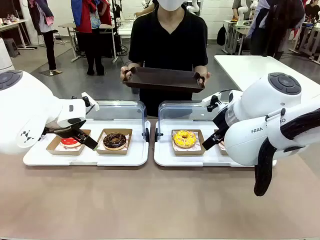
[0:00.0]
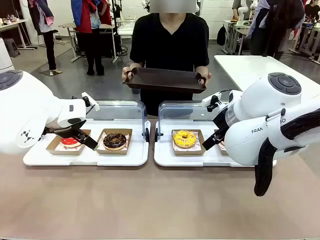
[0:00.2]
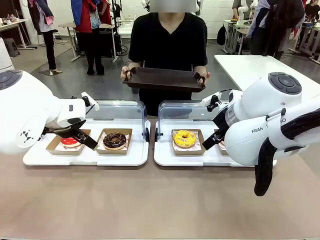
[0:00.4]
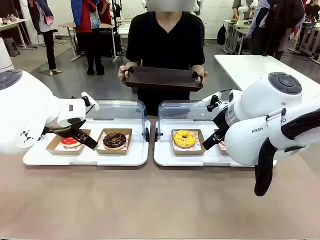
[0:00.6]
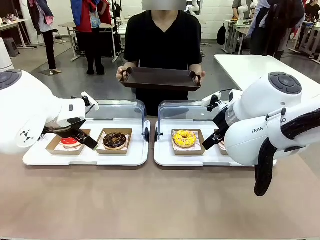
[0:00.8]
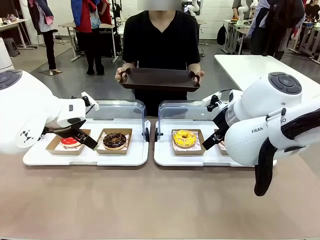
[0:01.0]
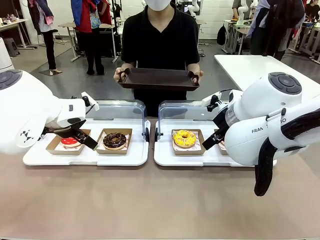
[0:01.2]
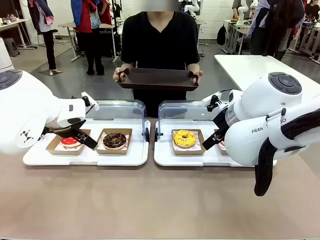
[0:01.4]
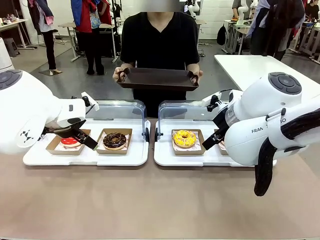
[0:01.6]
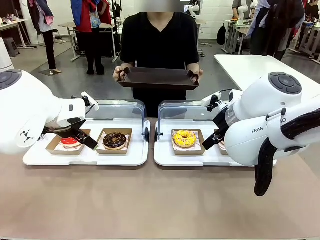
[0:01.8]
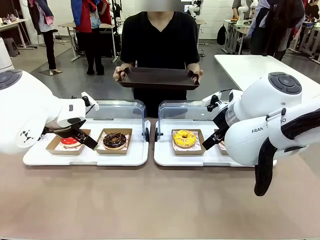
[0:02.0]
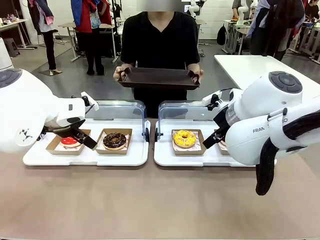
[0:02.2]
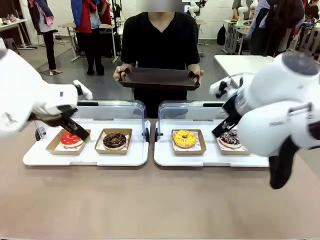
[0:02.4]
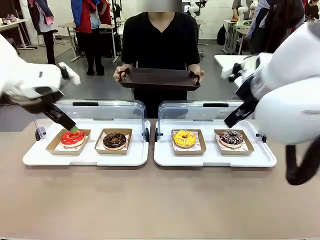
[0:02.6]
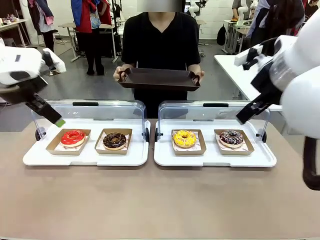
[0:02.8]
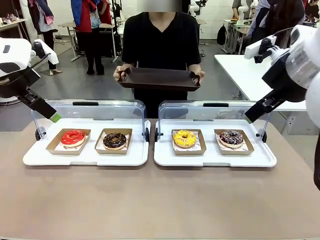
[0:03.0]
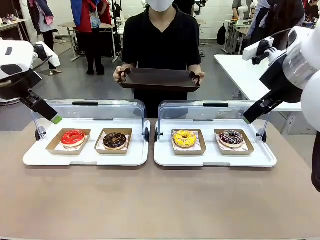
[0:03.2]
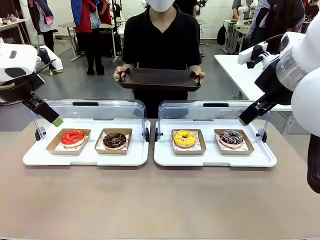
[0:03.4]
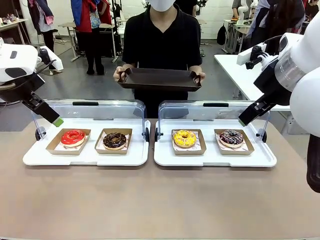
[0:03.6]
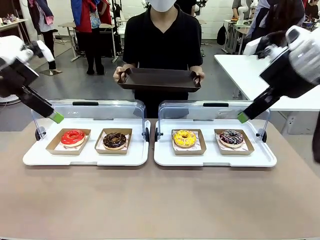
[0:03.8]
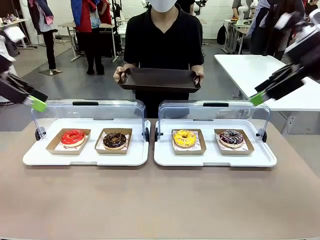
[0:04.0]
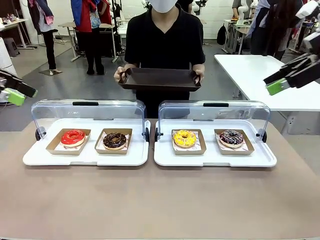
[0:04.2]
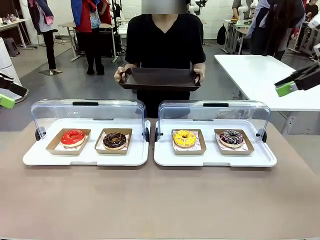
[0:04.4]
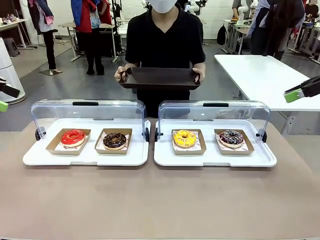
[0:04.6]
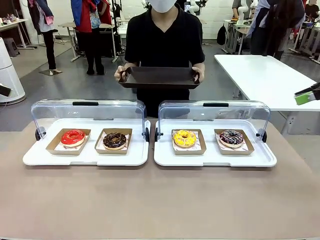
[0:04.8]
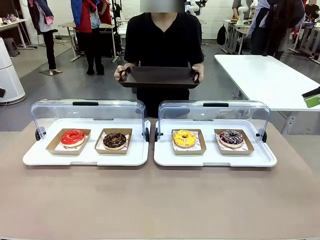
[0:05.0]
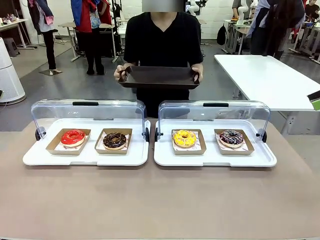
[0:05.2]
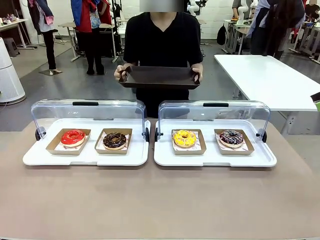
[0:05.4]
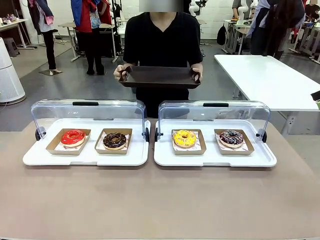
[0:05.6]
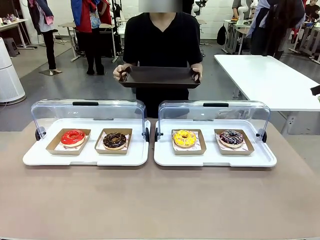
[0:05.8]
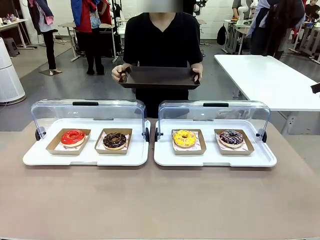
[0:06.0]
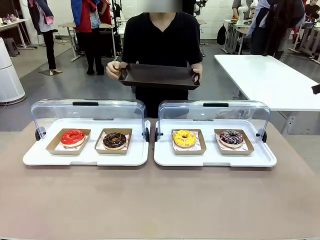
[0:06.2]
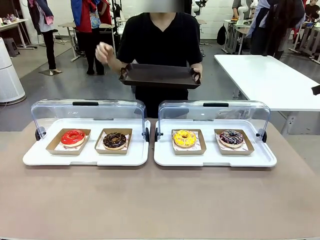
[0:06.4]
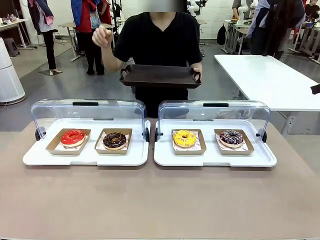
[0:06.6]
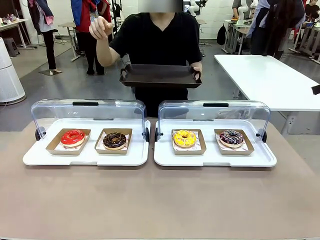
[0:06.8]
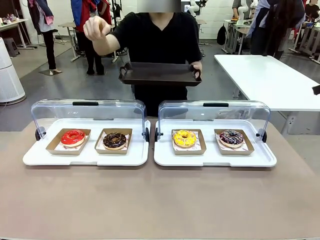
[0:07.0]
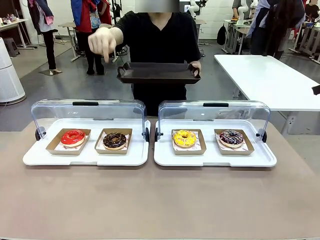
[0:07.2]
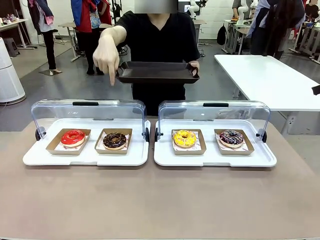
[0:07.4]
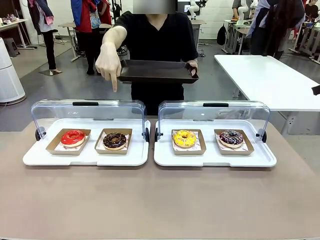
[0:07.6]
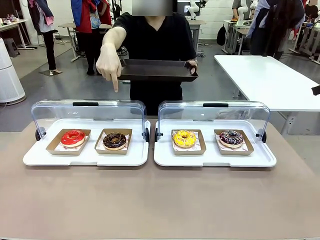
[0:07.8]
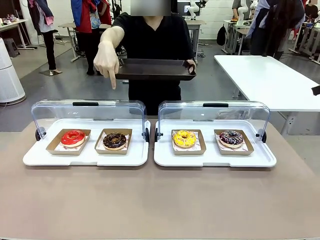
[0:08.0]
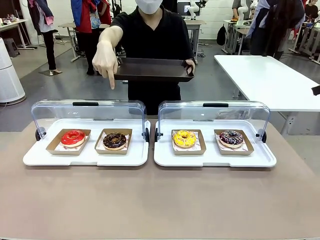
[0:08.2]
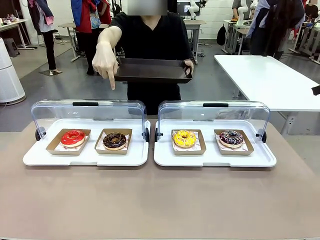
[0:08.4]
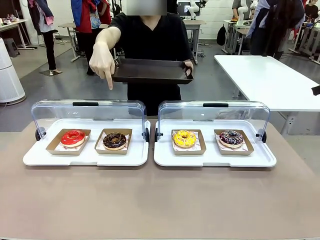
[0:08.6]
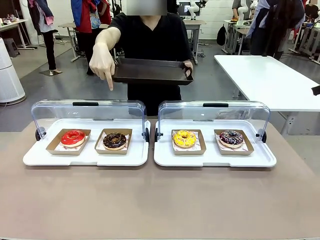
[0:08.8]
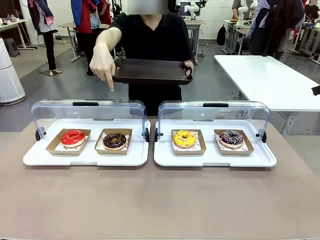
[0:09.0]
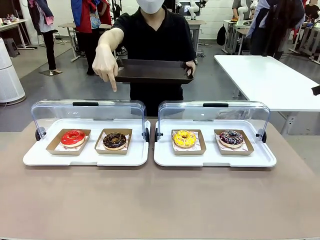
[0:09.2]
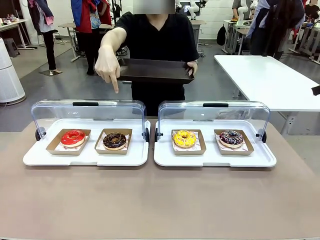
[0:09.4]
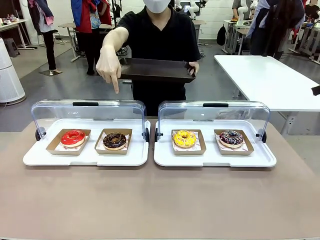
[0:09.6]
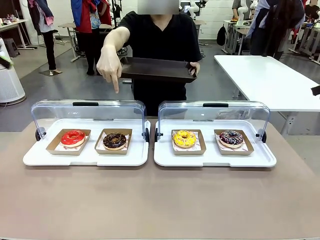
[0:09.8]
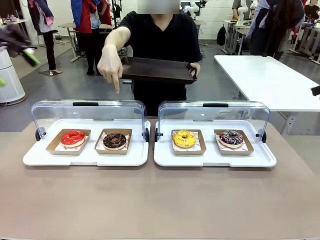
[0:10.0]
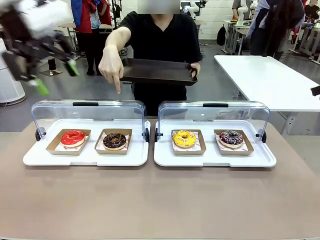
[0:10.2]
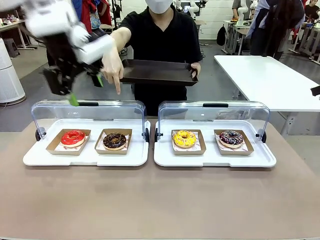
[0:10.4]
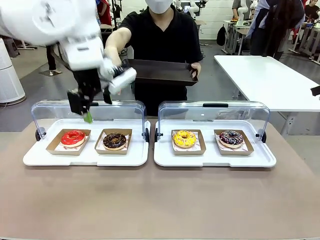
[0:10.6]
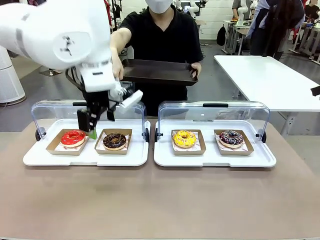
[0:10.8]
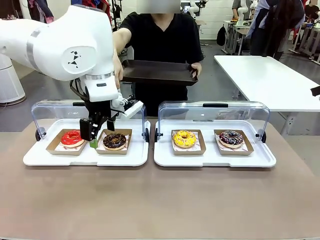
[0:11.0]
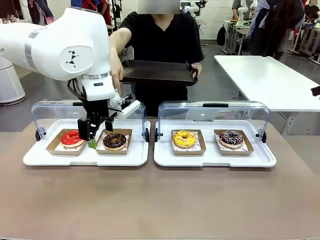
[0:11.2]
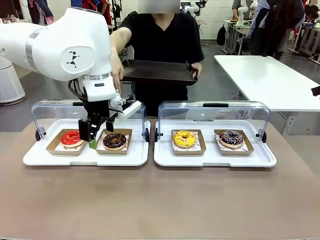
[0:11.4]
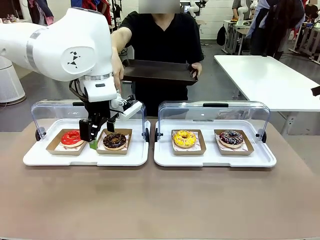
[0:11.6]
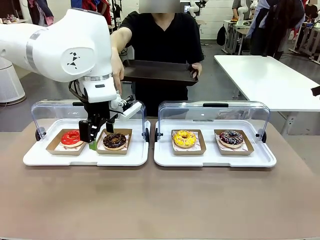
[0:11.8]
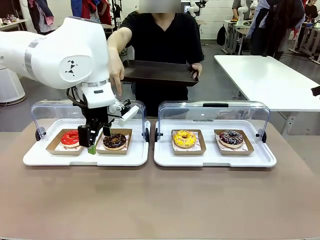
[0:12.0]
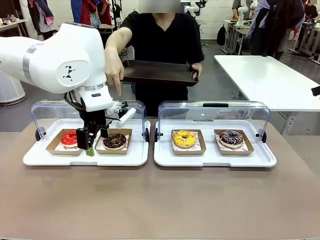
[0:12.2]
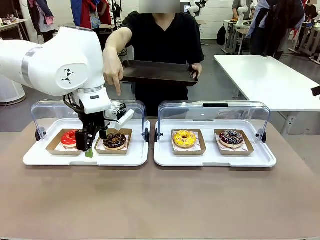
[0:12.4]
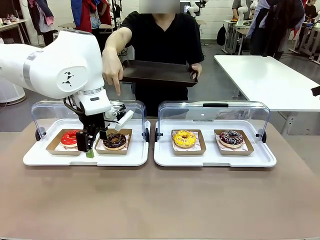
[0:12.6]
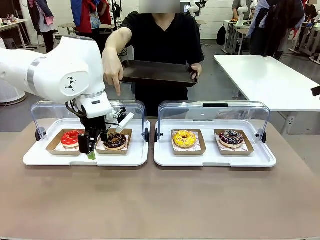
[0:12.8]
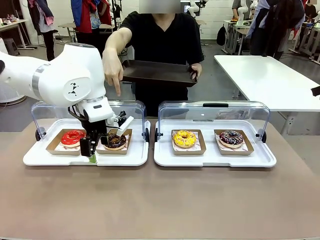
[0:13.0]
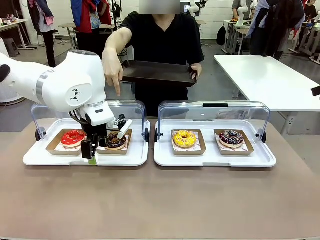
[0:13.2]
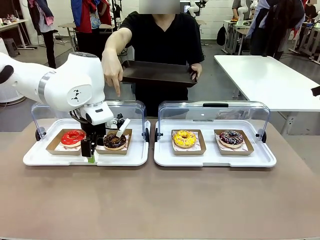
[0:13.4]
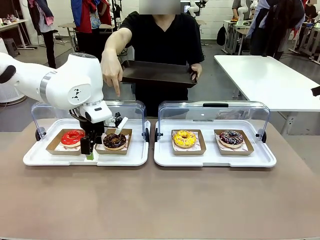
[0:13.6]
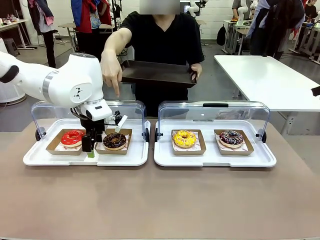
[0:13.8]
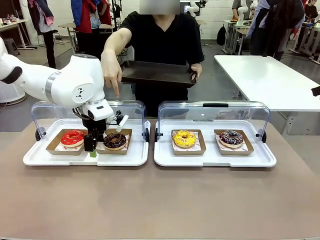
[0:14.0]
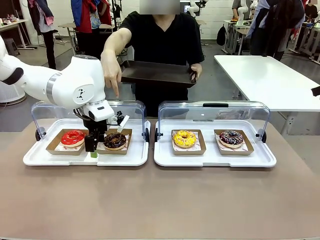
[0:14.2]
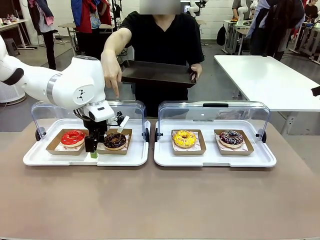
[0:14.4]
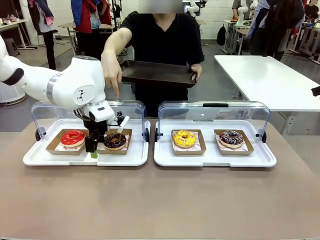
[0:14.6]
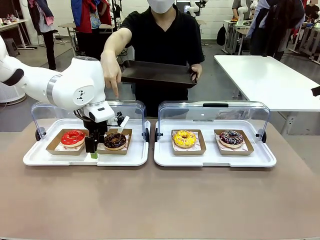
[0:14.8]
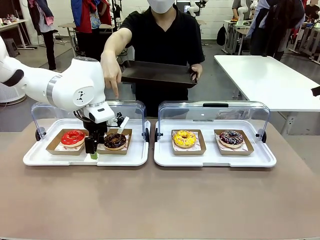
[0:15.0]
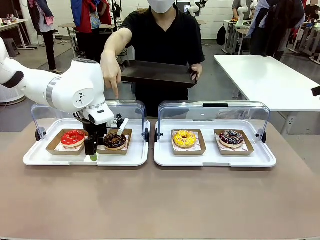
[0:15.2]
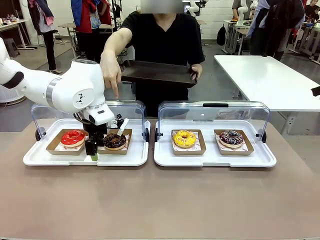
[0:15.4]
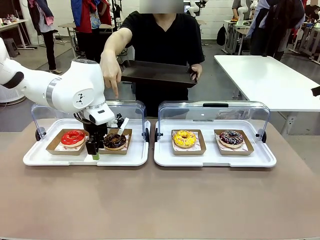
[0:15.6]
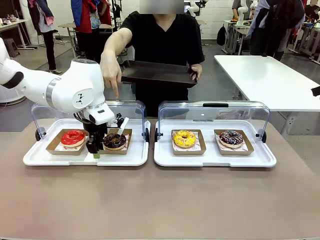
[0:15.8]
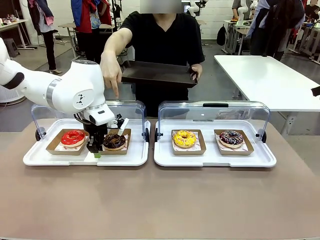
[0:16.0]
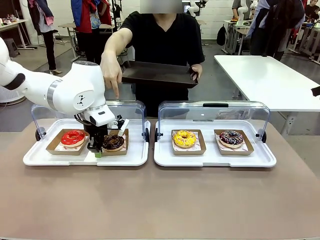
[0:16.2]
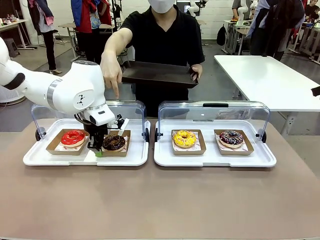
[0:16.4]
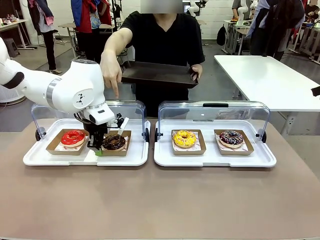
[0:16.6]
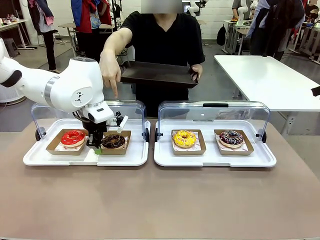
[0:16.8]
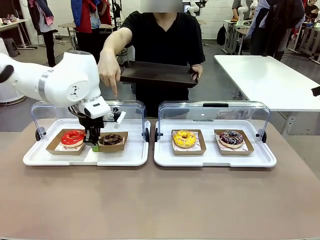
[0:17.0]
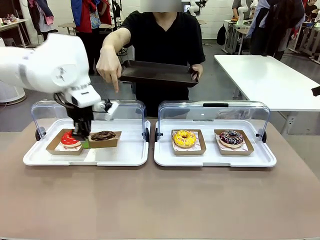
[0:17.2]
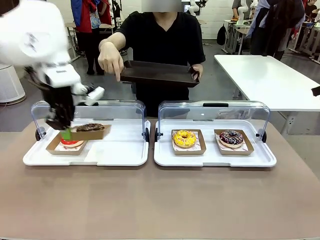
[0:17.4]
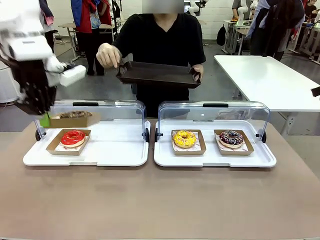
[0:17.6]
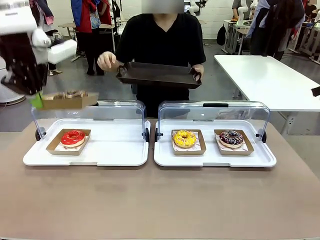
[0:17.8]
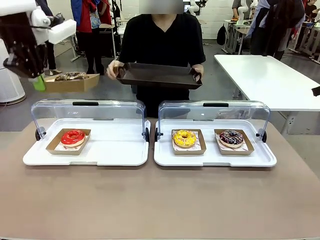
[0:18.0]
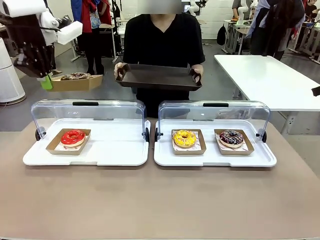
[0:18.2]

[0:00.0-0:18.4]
Task: Provide the desired donut to the person.
Robot: Pick up and lift the Paper togo box containing the Donut pointed at by the person.
Person: Point to one donut. Lift the tray onto the Roll-Top Bakery Case.

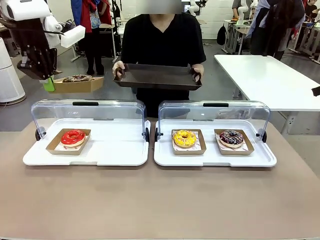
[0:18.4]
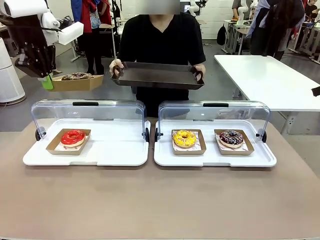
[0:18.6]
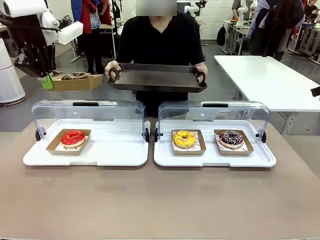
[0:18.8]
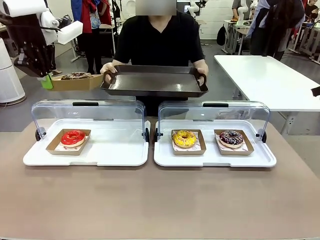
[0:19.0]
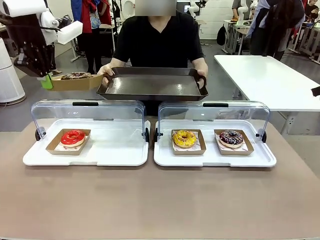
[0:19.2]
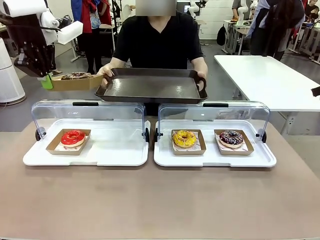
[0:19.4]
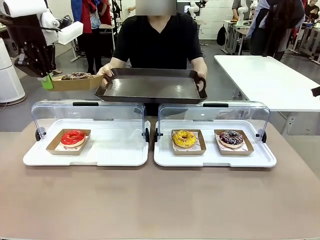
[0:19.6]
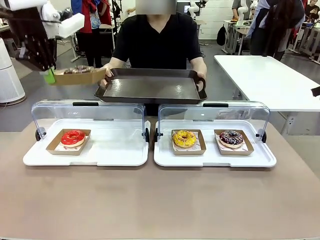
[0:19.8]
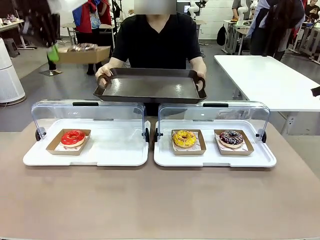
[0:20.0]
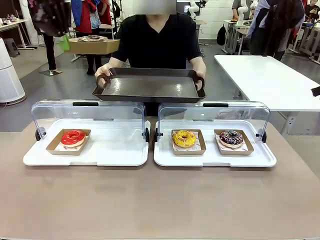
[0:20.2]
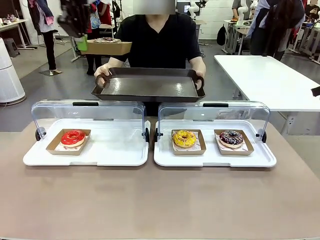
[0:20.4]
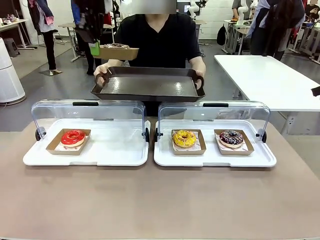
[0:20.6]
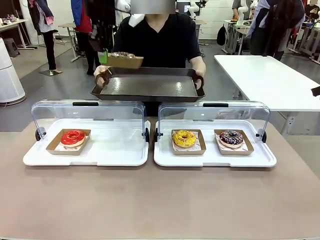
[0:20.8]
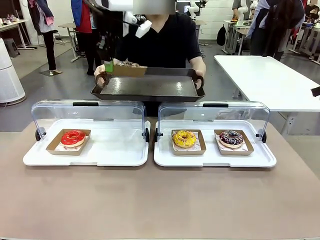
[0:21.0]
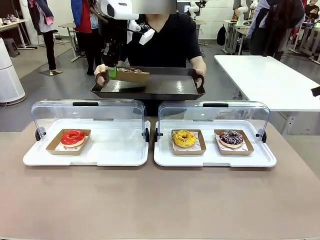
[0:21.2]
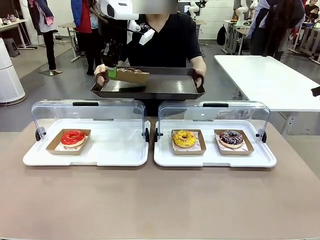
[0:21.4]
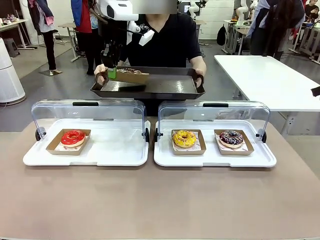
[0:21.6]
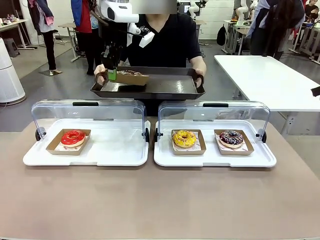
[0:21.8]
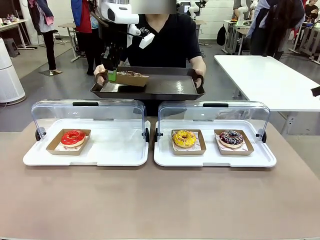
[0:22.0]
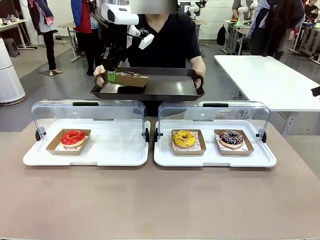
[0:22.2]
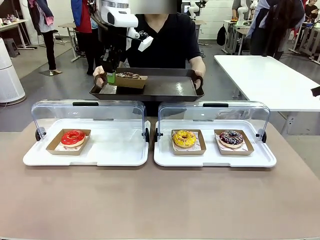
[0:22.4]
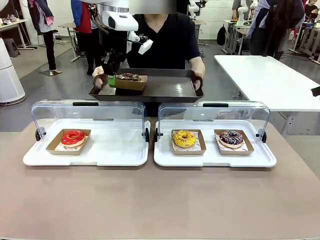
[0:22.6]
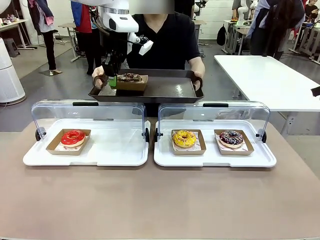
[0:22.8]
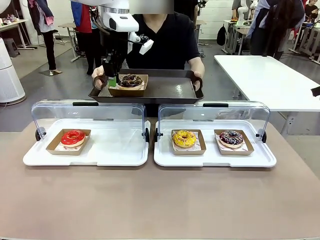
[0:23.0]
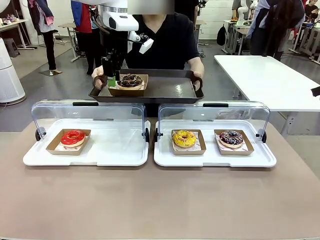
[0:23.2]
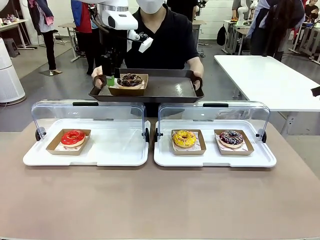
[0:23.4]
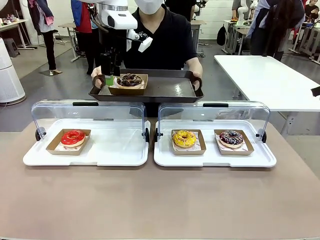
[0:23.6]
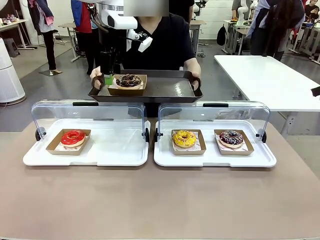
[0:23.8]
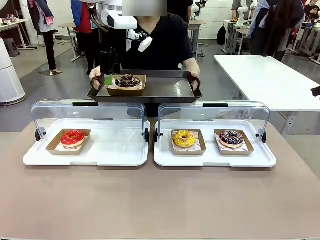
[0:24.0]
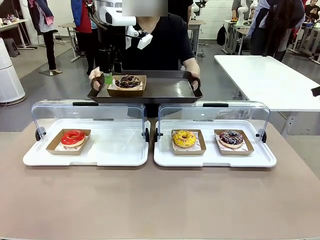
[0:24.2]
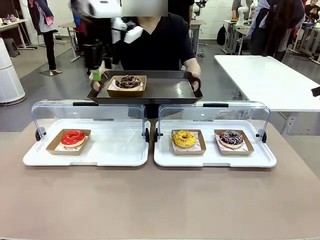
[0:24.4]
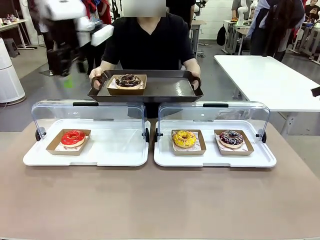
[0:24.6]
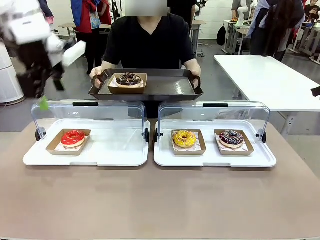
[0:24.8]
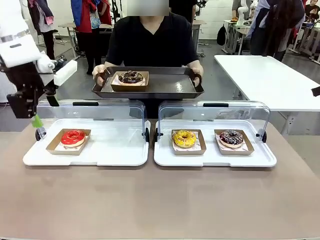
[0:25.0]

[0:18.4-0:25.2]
Robot: Place the picked Paper togo box onto the Handle tray extended by the person.
